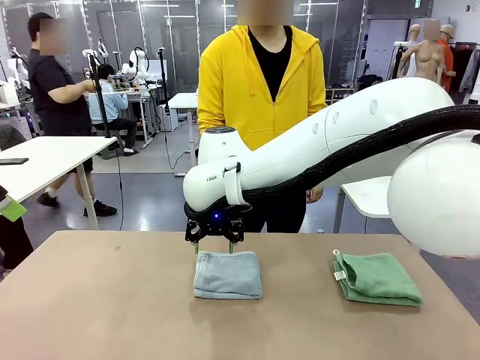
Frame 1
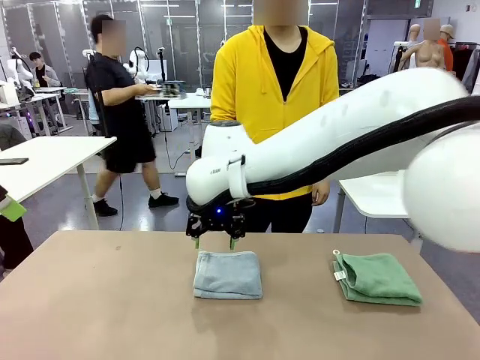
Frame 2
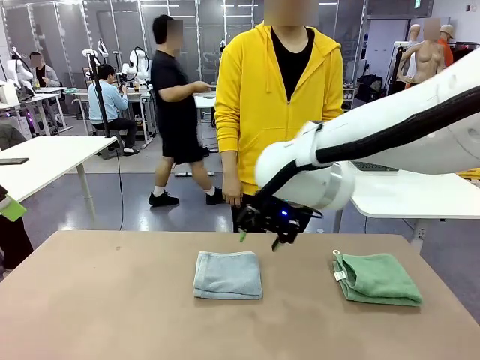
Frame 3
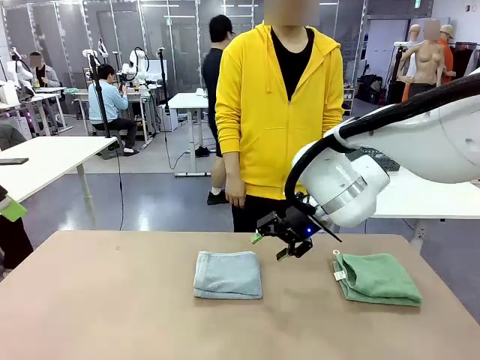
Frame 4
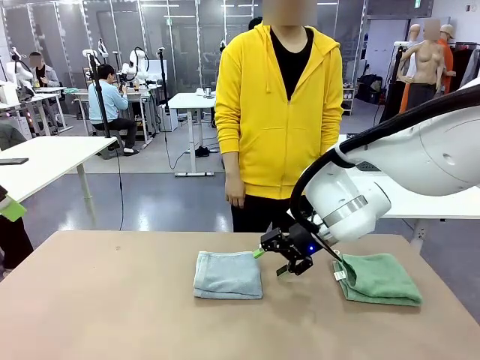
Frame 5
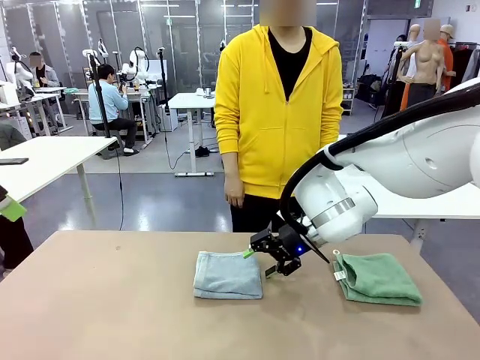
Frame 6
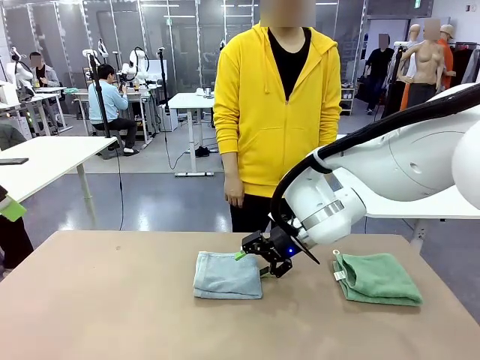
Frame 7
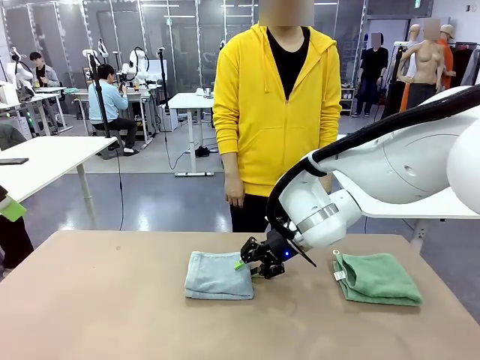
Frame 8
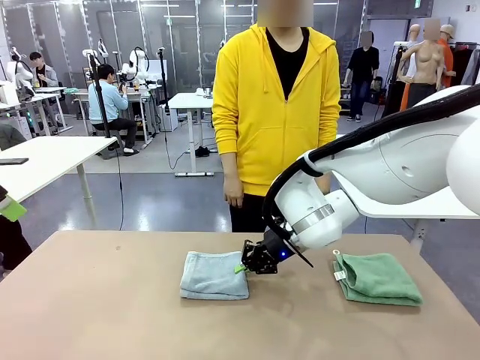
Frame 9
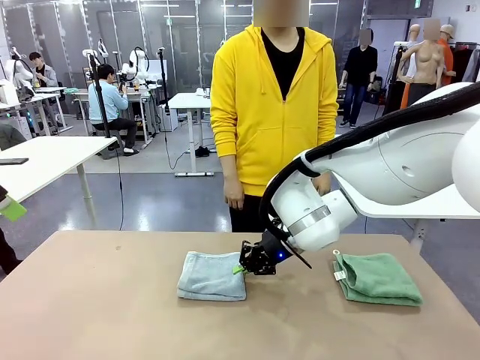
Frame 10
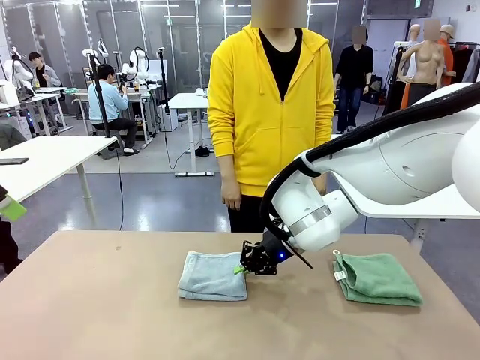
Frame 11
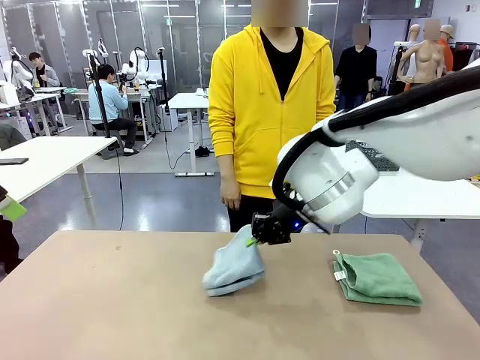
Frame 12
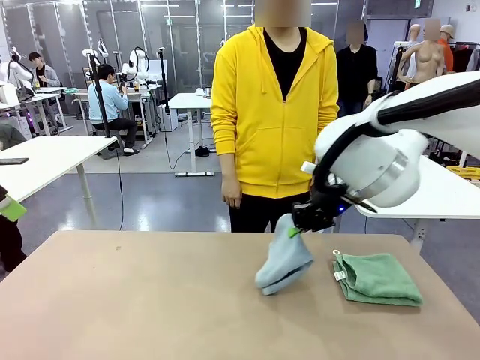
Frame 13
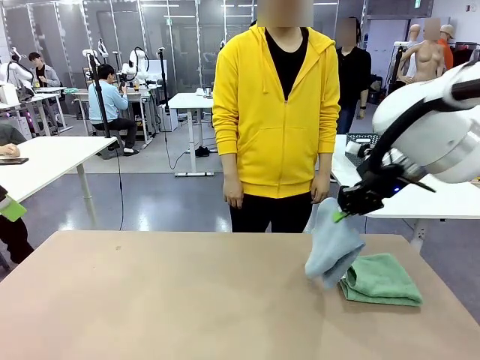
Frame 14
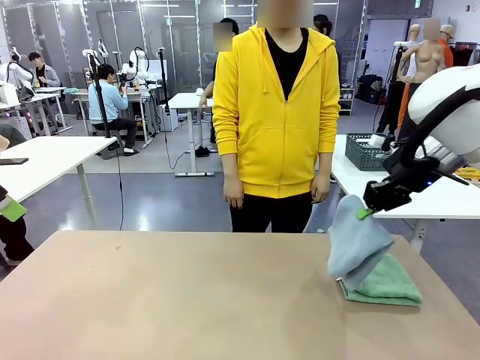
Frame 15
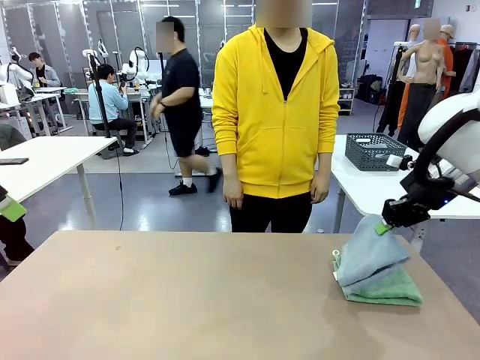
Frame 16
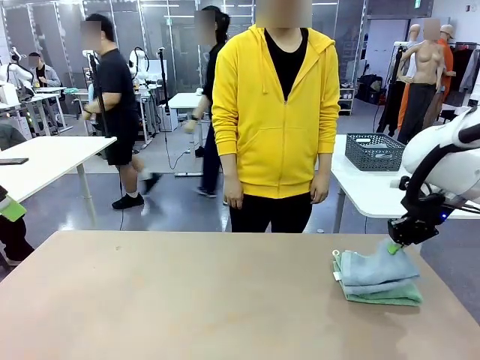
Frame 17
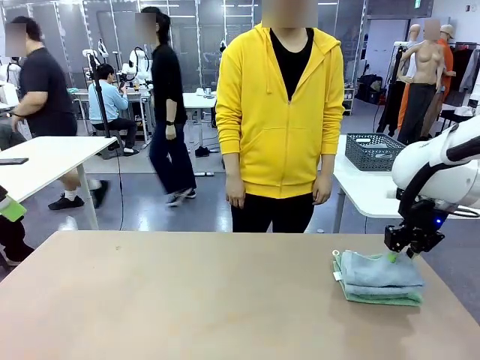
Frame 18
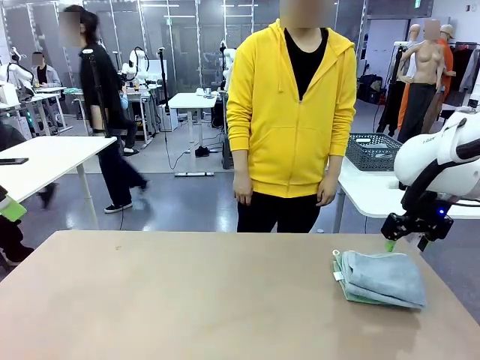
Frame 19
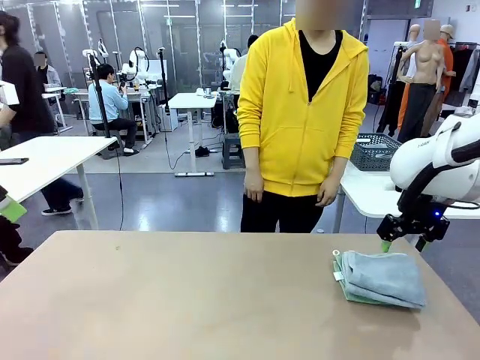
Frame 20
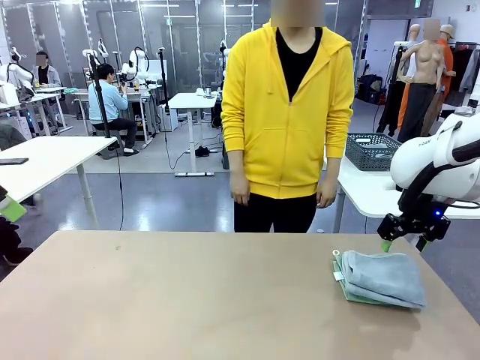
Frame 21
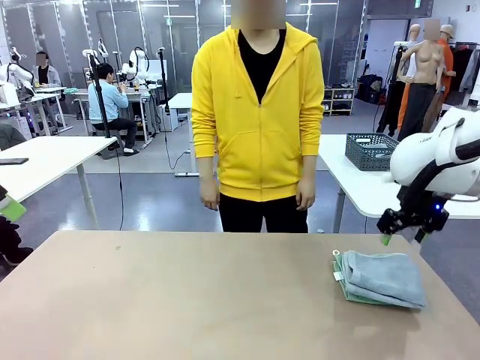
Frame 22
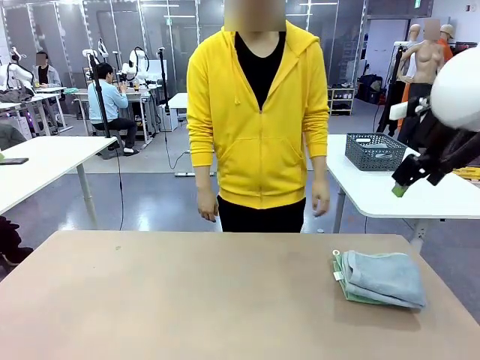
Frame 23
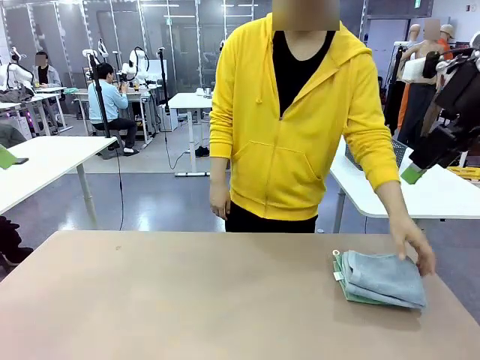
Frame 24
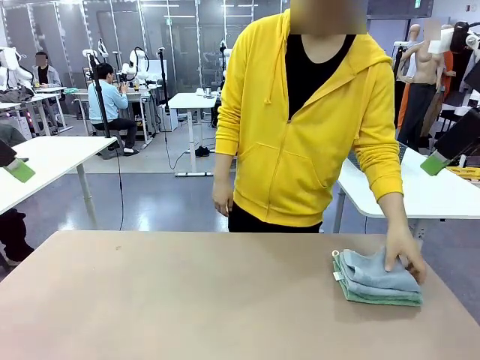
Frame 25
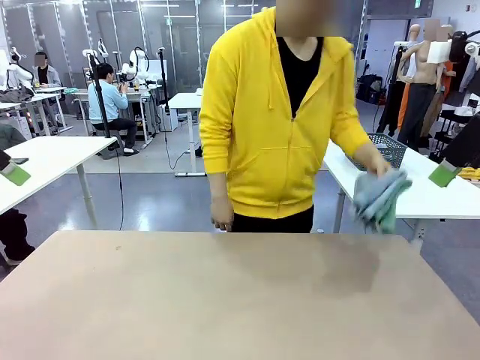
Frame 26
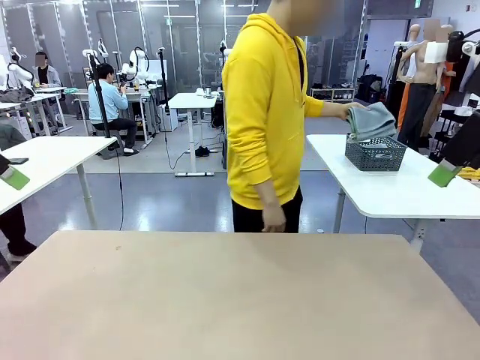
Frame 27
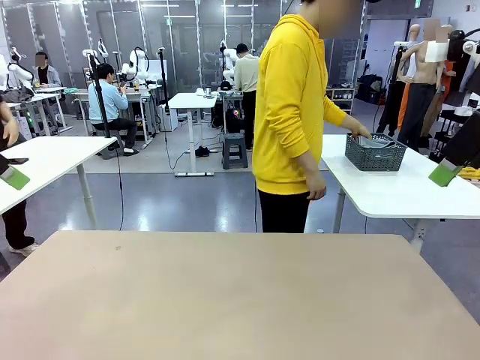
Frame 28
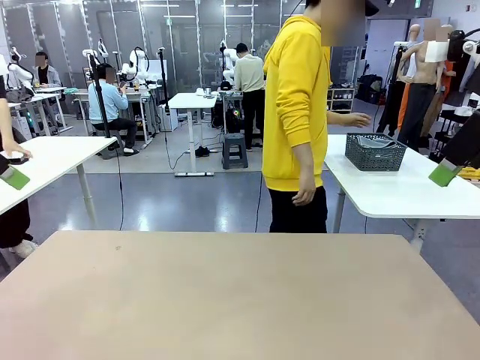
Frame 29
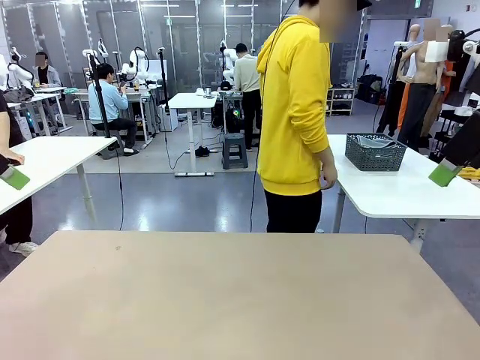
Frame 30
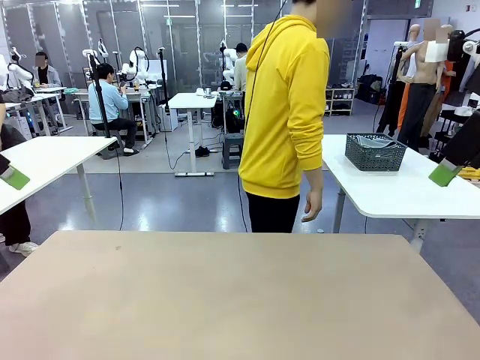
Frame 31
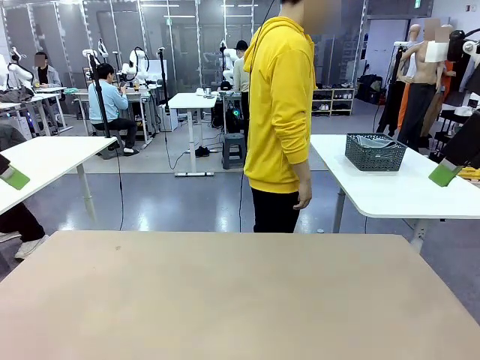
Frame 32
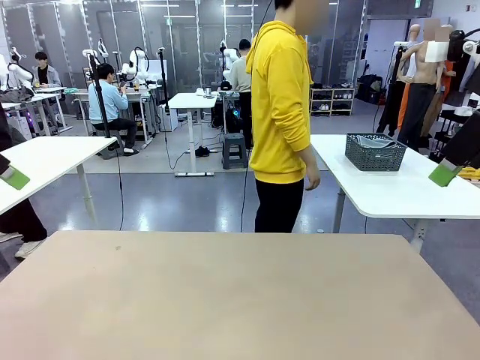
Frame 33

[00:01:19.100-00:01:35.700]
Task: Fold the towels and place them in the basket.
Robot: Stack the folded Towel with hook on the right side of the table.
Person: Pick up the stack of towels from the robot table and place it into the basket.

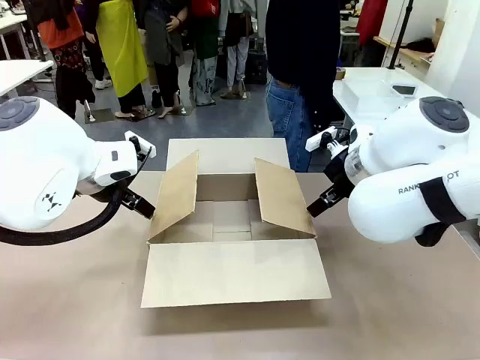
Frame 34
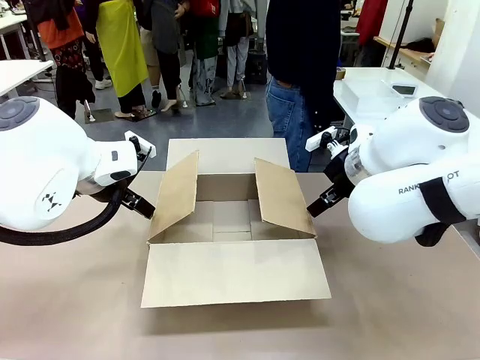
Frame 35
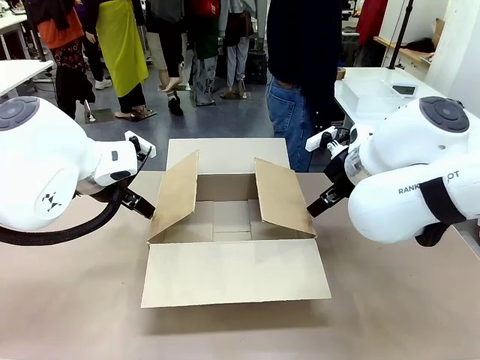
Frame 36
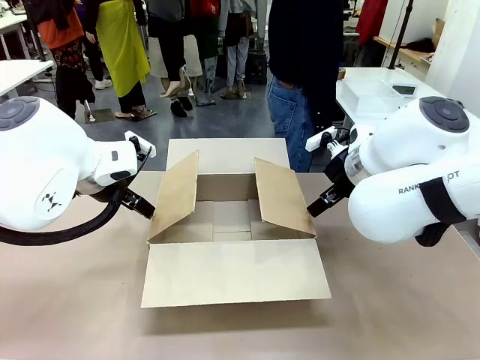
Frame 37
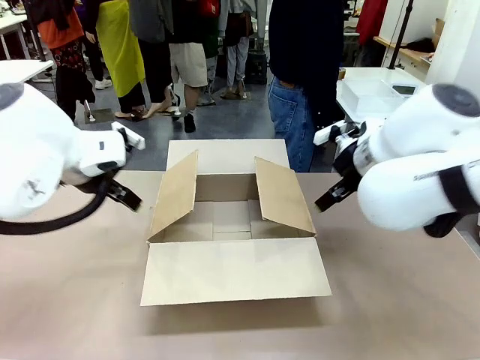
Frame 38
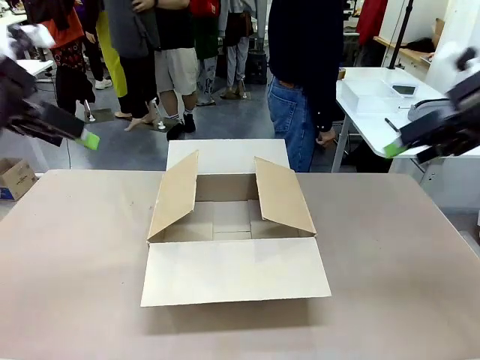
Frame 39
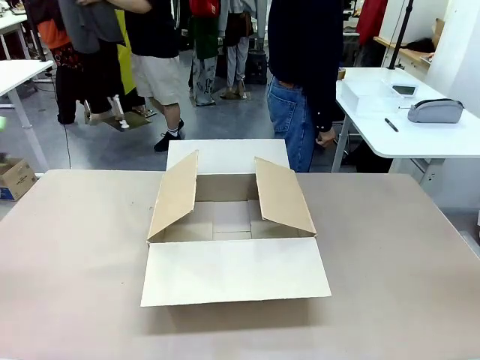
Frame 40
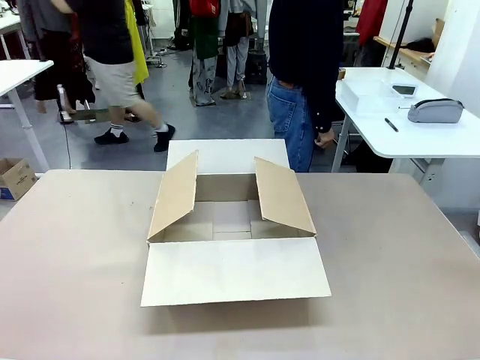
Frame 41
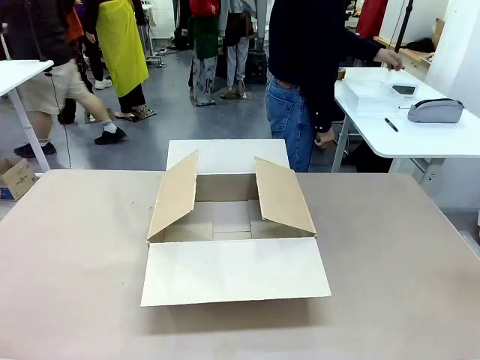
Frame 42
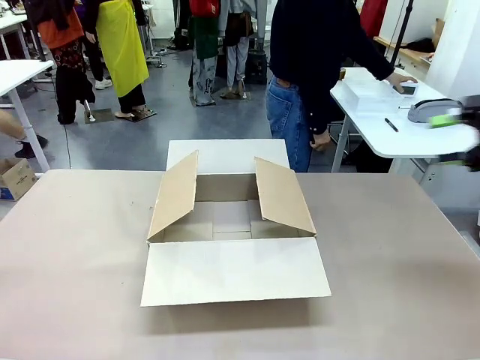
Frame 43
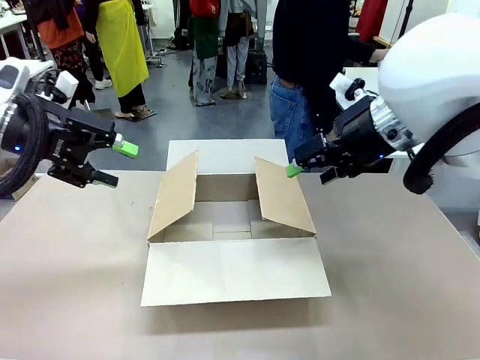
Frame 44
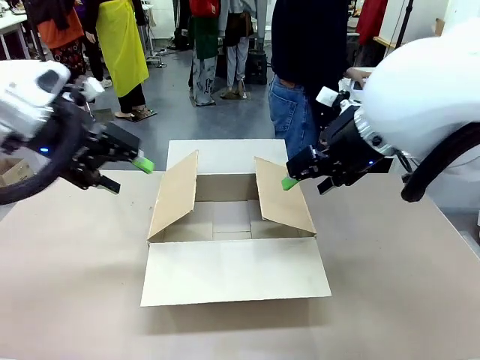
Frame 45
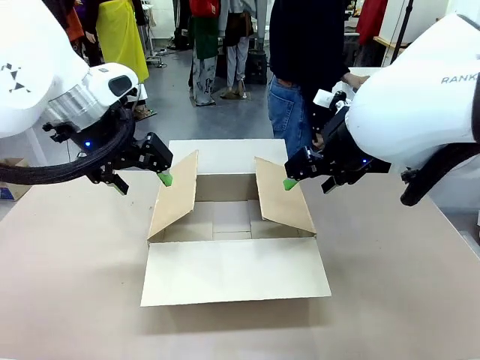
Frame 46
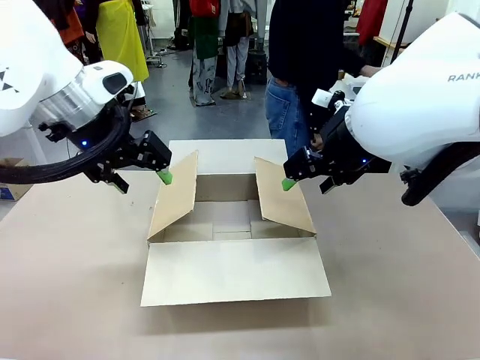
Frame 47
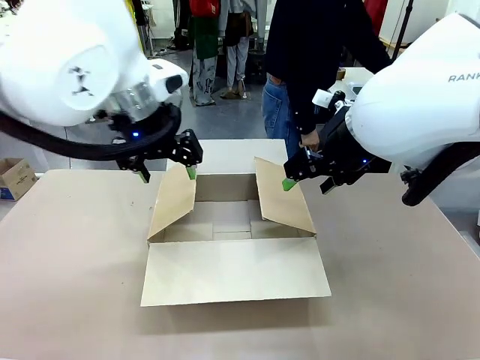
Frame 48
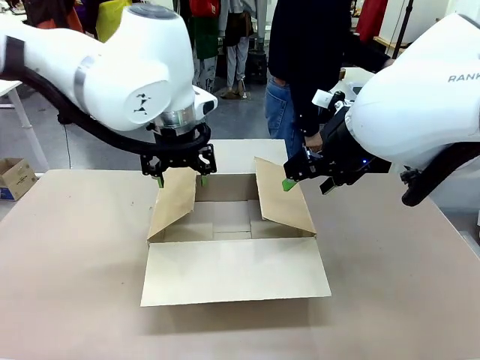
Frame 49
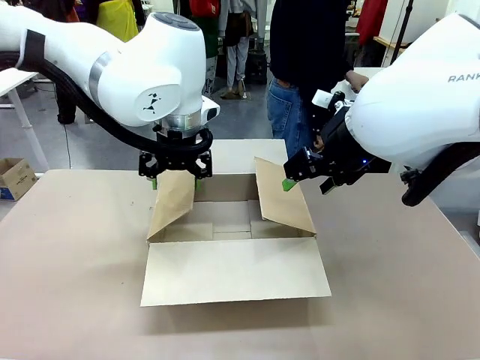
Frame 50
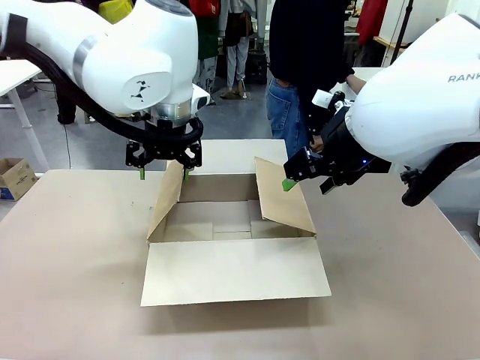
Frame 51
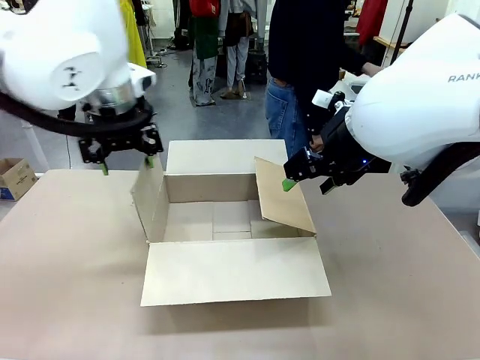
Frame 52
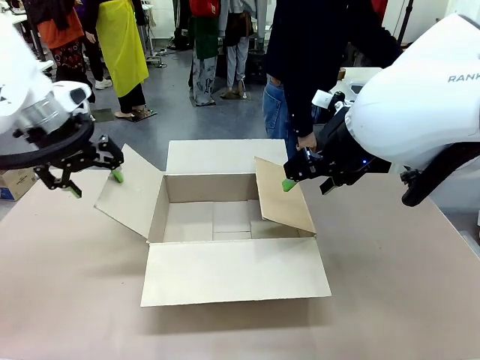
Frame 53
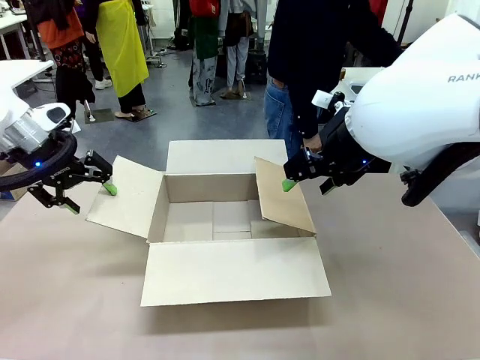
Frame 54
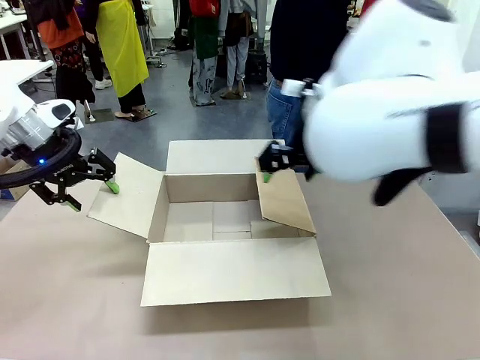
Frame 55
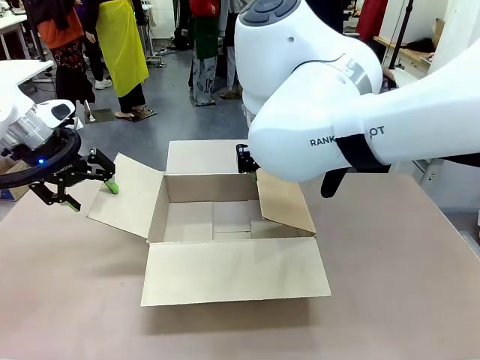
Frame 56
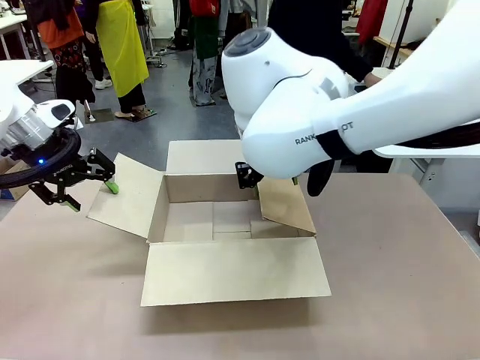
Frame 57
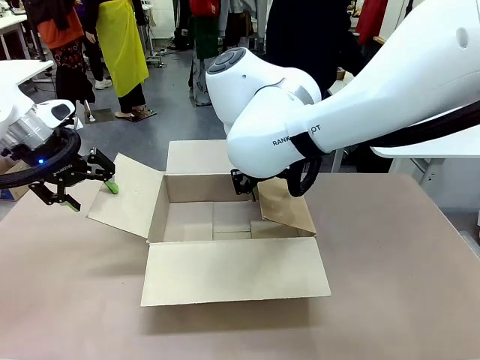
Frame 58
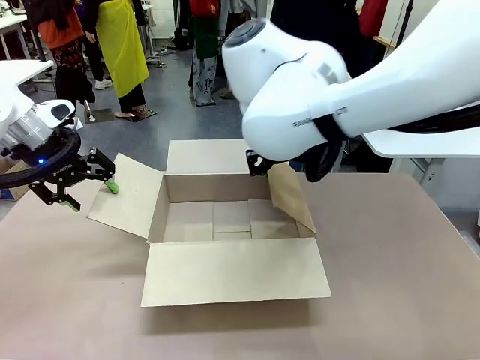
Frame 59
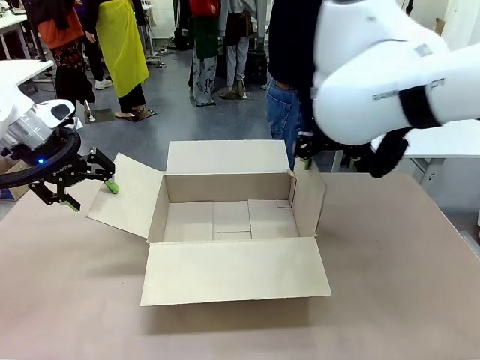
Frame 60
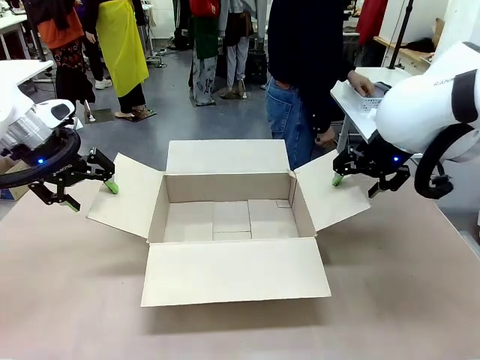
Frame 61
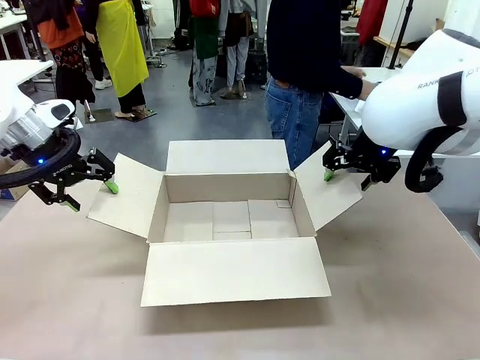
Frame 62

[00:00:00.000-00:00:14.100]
Task: Pack the gift set into the box.
Robot: Place both hands on the side flaps of the Package Box and spread them outward.
Person: The human places all items except the paper tape into the organizing basket.
